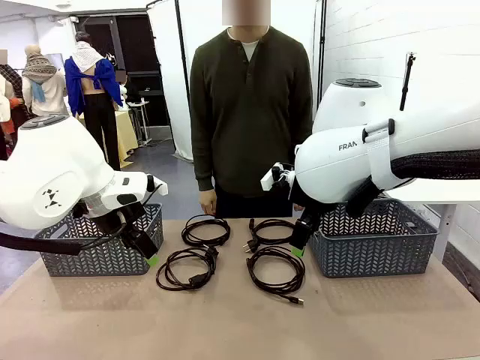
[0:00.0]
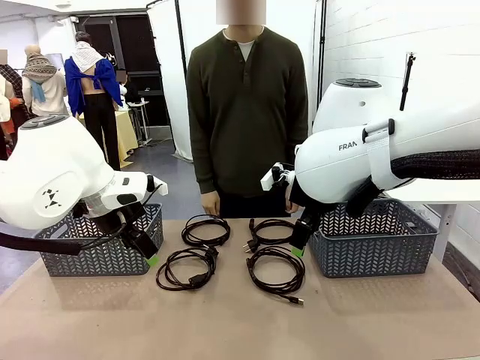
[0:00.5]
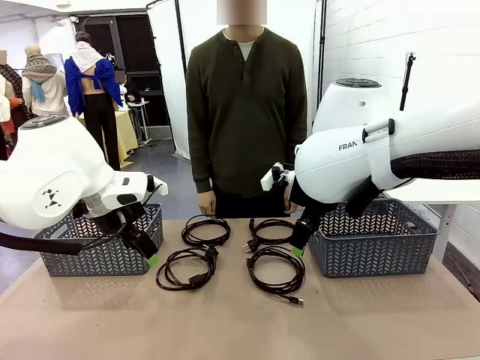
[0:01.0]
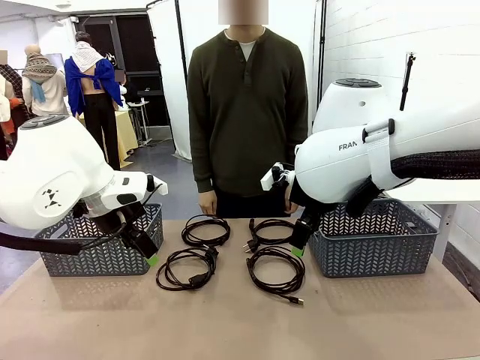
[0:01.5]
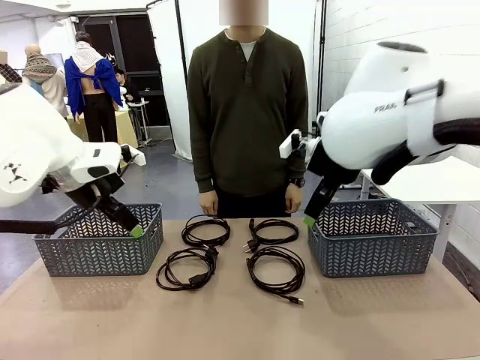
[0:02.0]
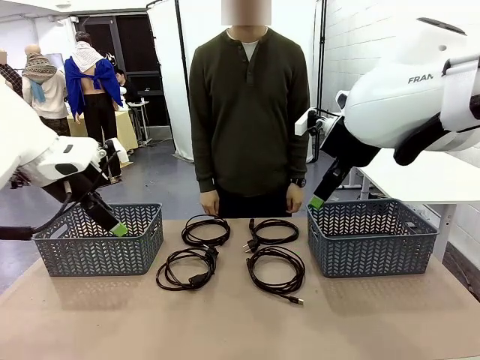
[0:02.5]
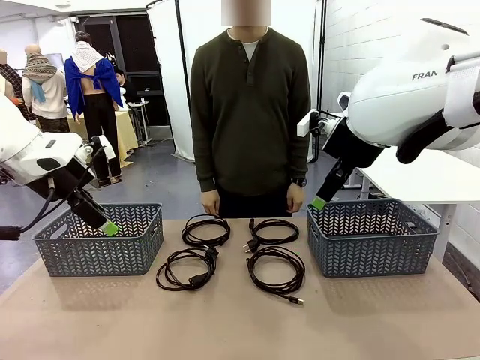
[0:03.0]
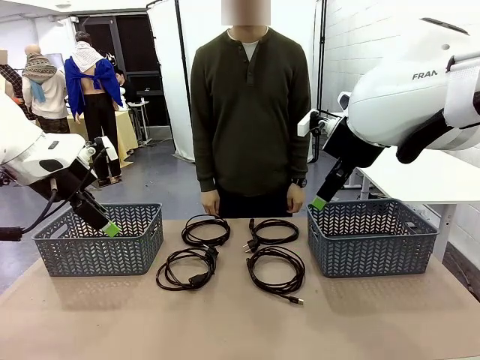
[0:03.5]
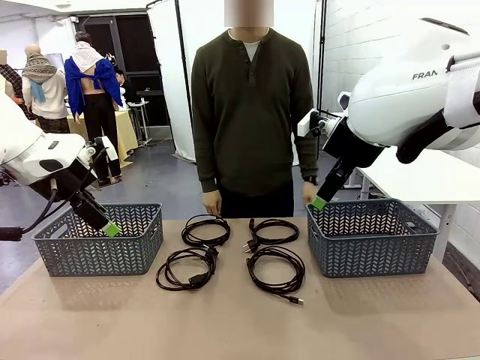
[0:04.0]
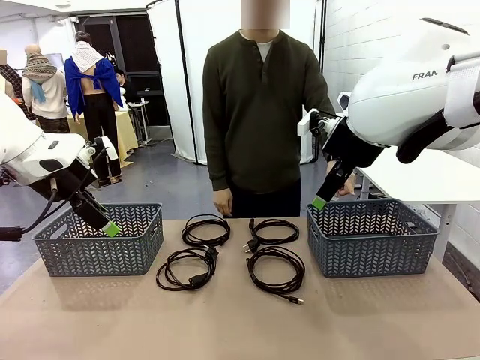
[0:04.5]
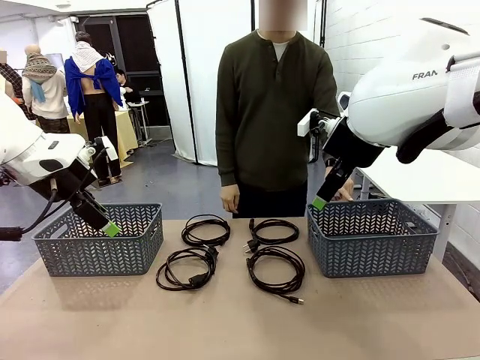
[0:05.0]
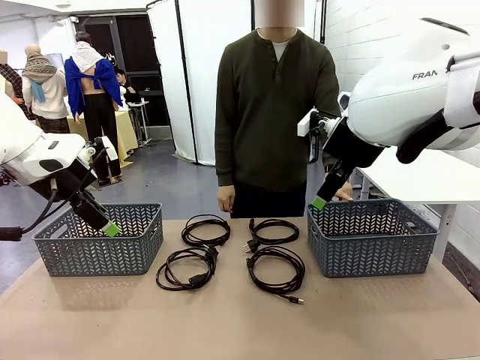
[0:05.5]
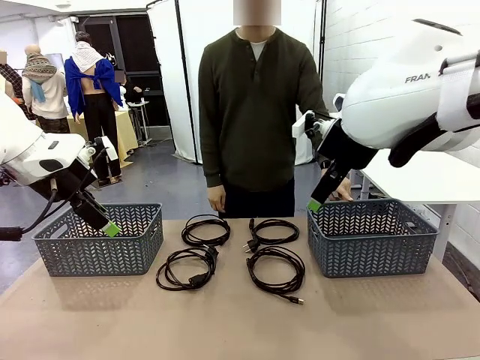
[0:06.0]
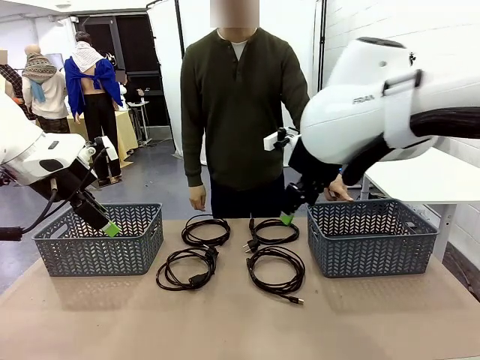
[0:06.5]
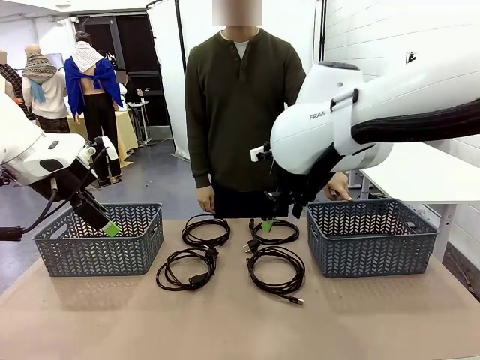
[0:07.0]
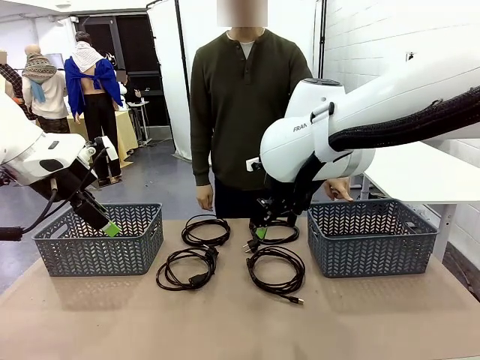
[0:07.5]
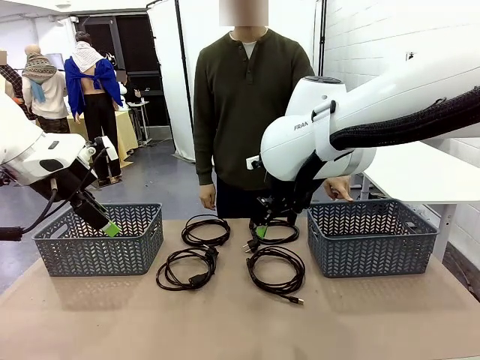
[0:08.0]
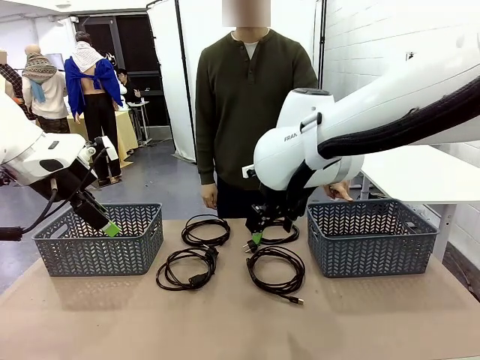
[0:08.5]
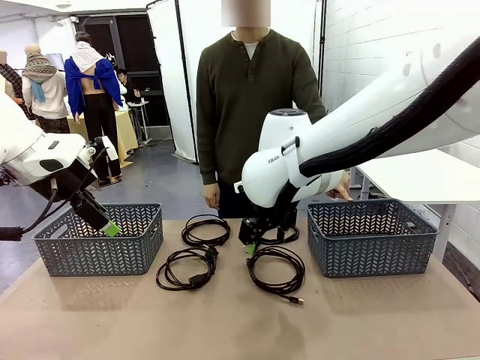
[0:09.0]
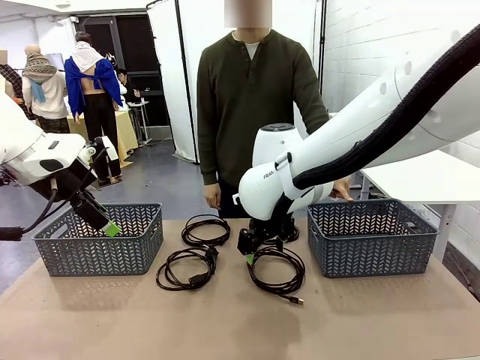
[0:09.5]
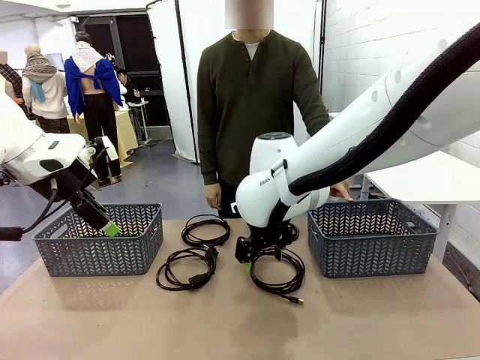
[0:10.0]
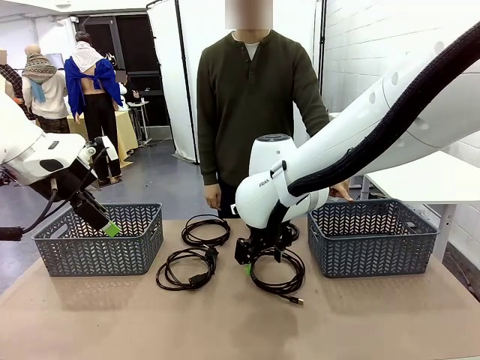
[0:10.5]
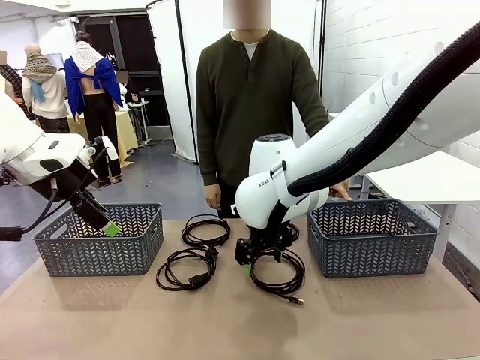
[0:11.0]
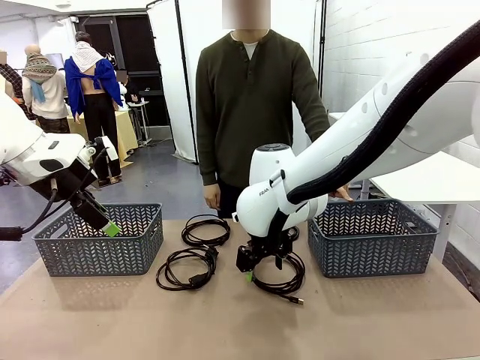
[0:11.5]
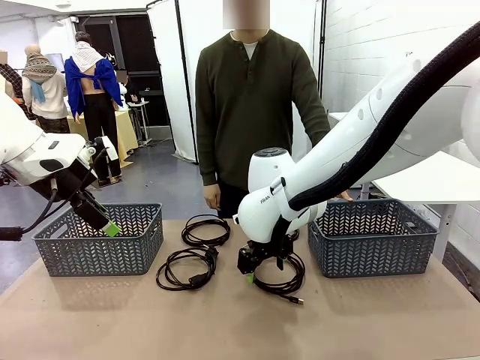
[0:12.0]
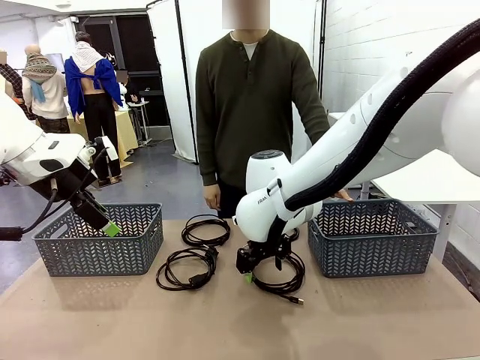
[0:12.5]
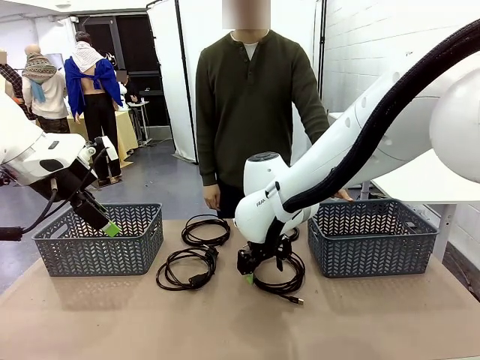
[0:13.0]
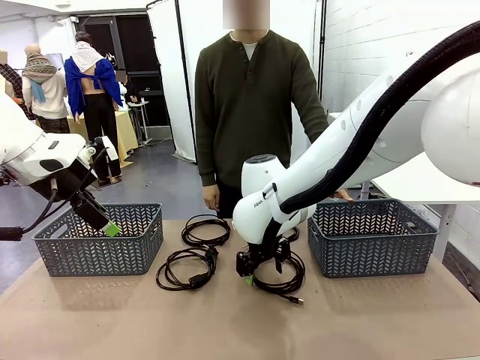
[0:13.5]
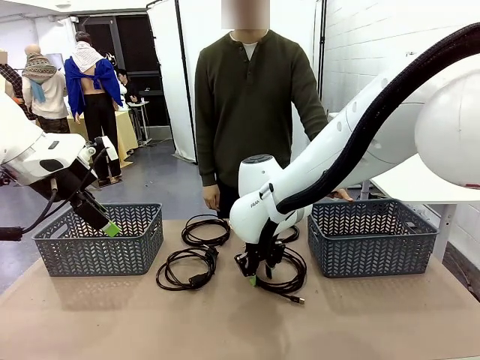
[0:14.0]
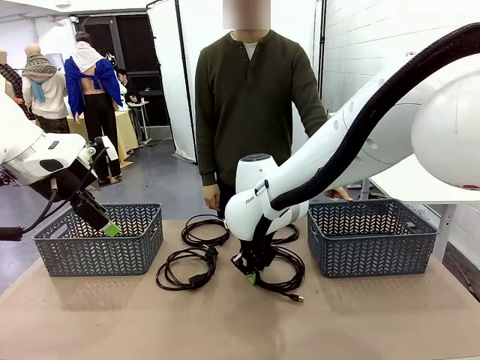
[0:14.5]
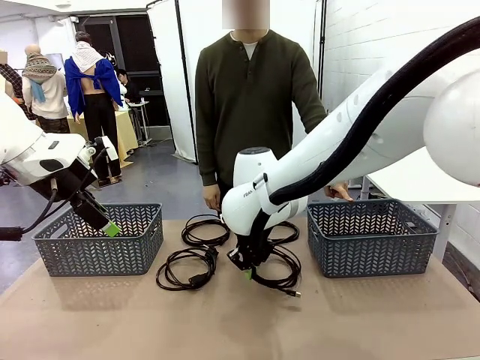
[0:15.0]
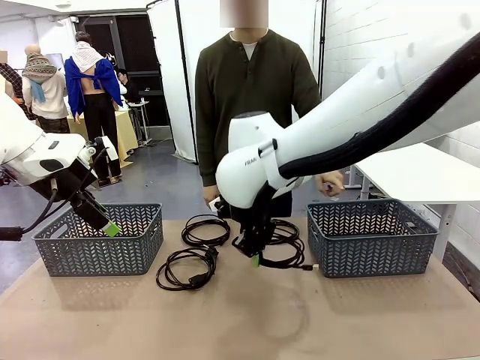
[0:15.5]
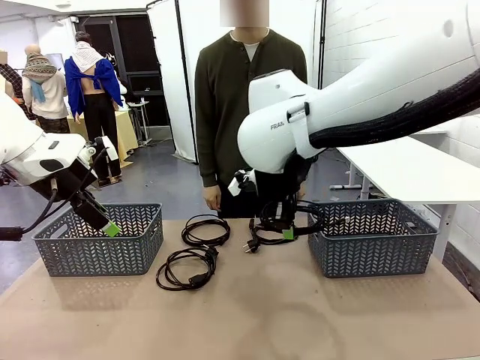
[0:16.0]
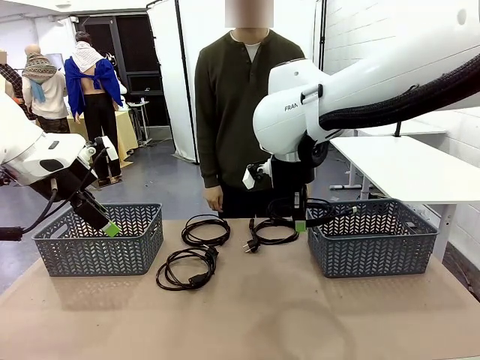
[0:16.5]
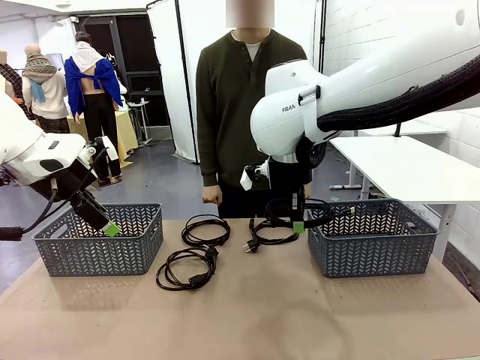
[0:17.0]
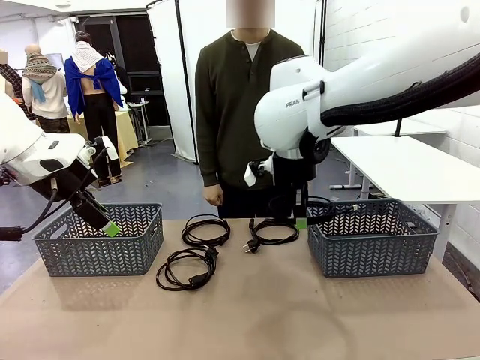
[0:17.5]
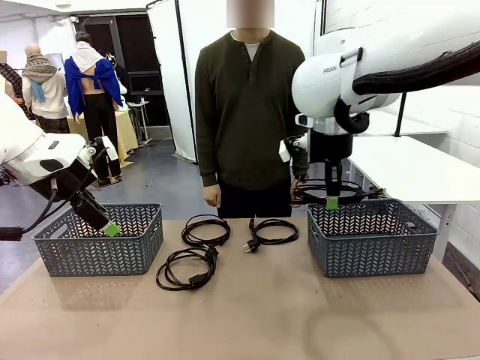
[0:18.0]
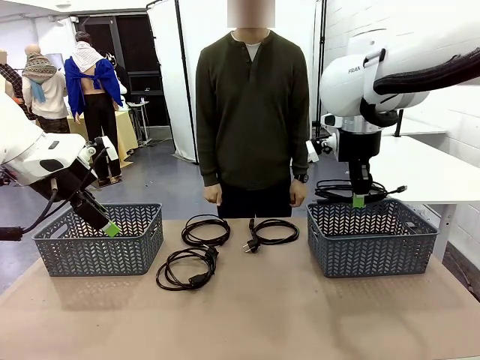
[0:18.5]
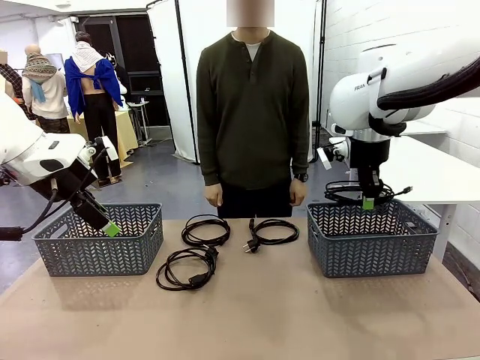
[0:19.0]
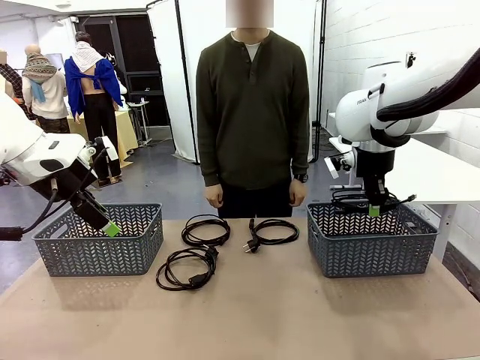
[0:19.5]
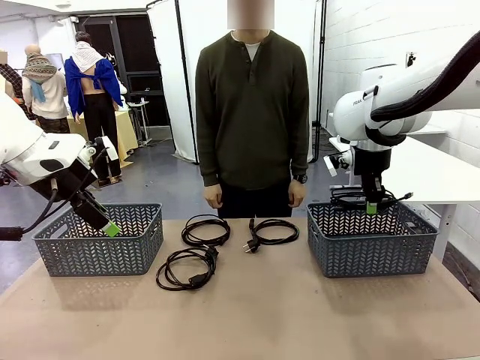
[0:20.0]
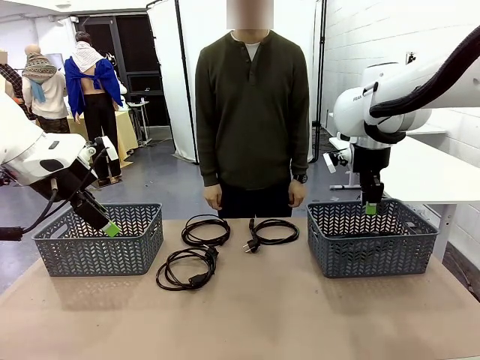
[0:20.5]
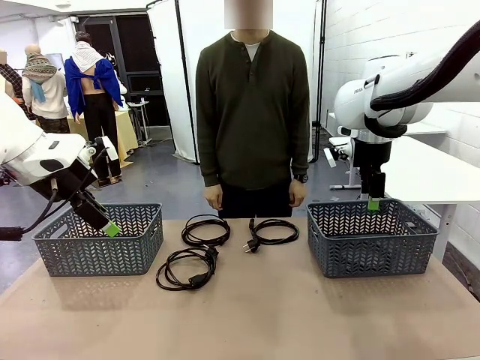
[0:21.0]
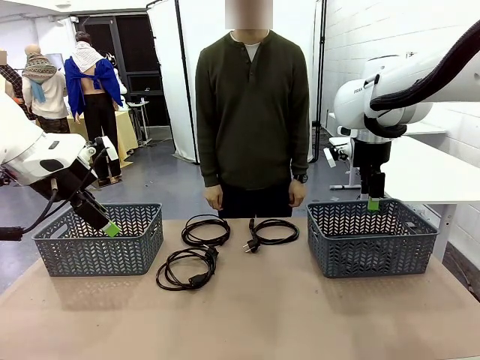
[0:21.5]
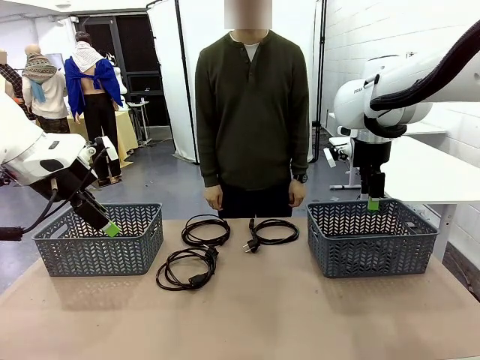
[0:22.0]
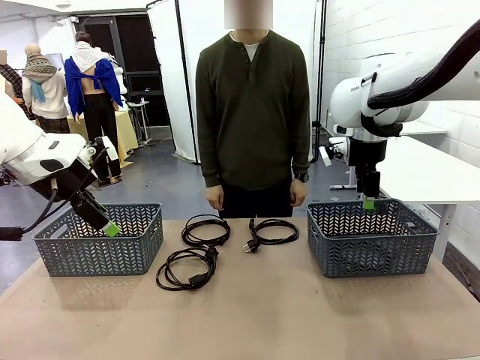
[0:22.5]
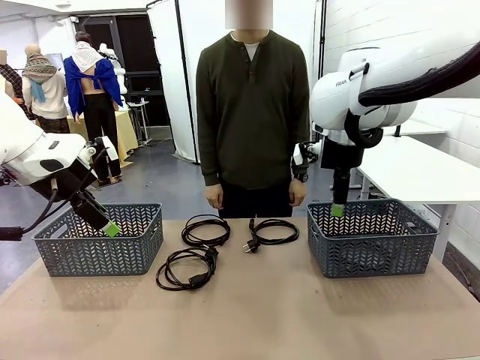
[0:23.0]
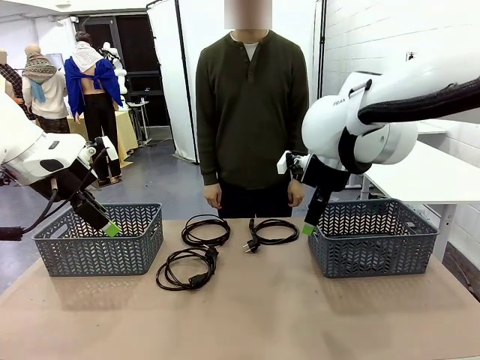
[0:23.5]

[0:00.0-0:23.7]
Task: Organize the cables according to human instructions.
Robot: Pick up a bundle of cables and place it in the basket indicated by the human.
